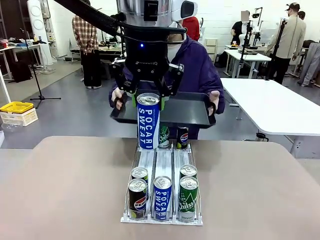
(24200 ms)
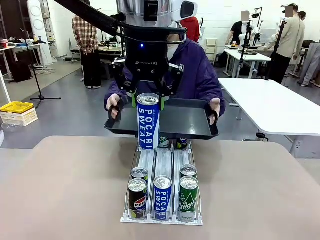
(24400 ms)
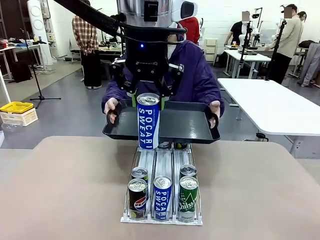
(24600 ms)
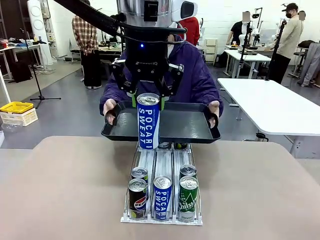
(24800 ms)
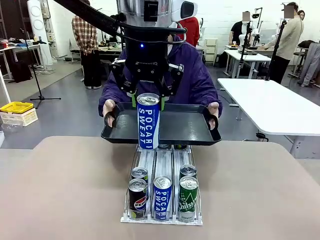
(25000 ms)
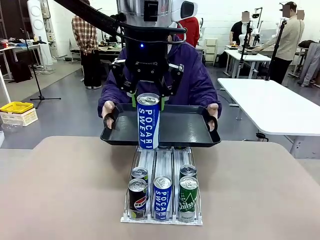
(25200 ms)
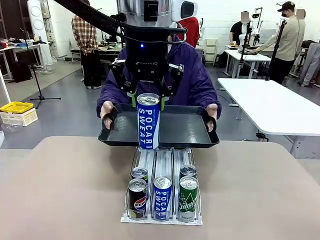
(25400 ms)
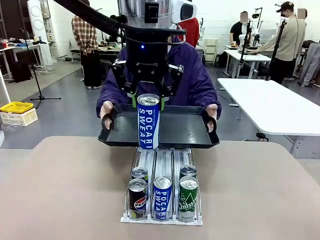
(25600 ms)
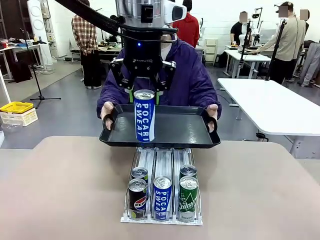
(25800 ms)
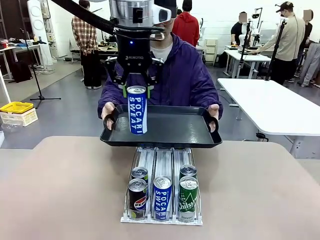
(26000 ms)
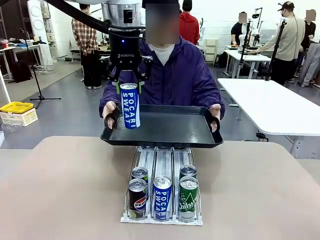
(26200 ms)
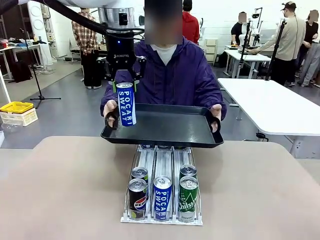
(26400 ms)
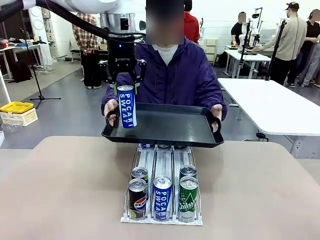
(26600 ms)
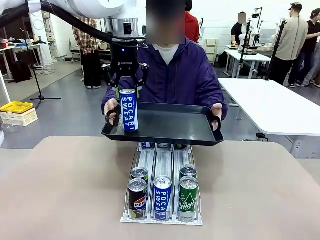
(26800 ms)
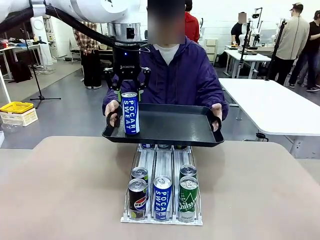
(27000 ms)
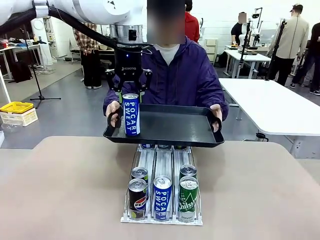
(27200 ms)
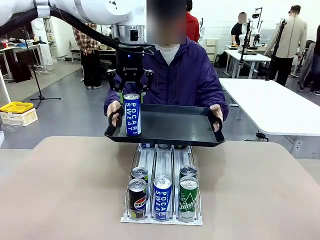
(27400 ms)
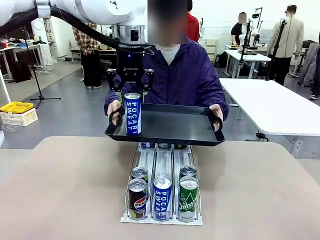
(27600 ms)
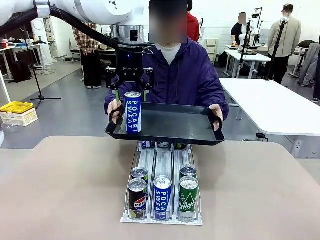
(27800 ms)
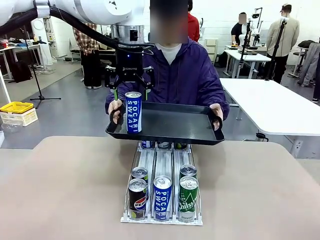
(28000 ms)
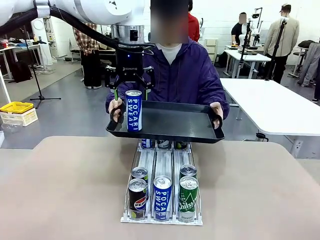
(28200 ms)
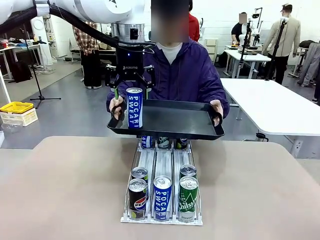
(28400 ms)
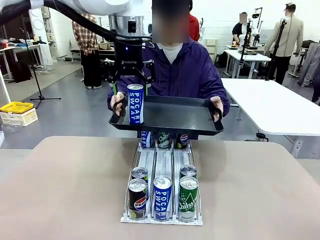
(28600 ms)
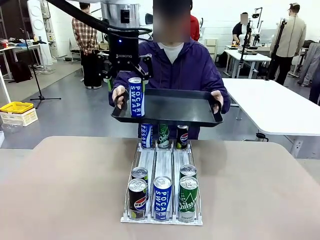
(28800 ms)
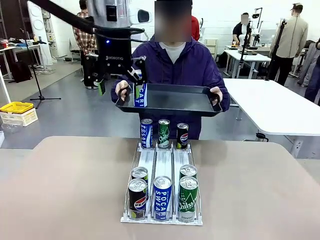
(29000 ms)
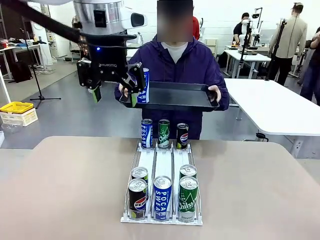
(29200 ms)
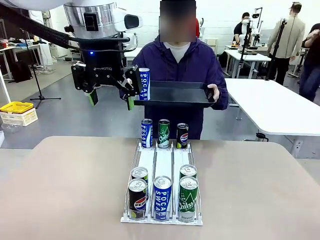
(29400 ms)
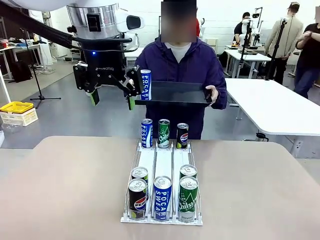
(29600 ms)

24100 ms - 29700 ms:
Task: Retrieve and hand over the desired beverage to the person.
Robot: Place the picked can on the Handle tray extended by the person.

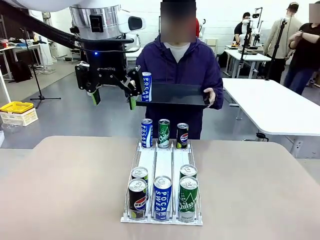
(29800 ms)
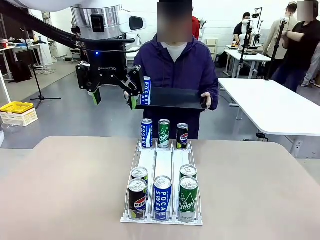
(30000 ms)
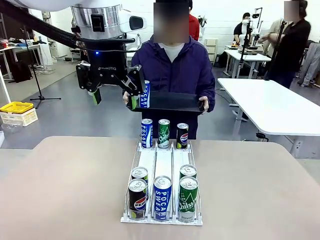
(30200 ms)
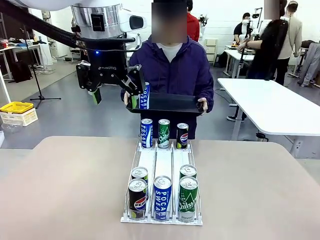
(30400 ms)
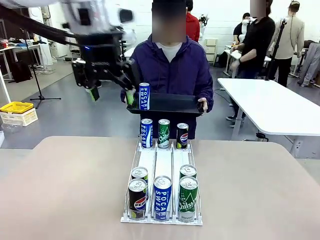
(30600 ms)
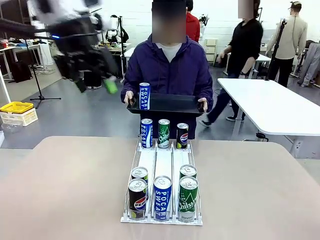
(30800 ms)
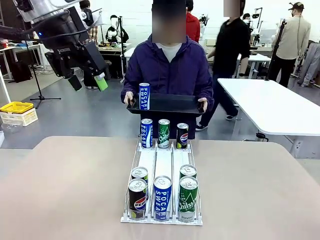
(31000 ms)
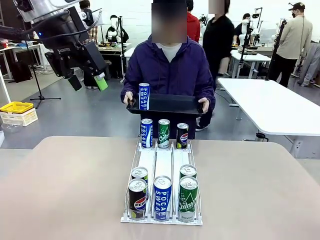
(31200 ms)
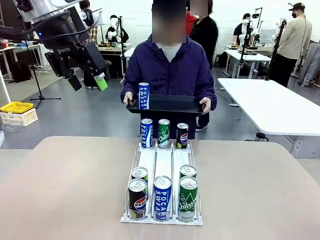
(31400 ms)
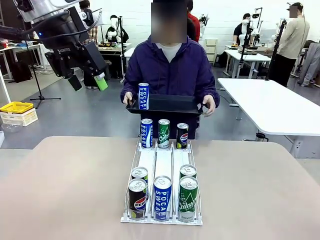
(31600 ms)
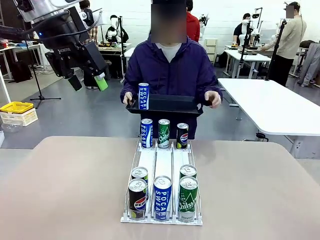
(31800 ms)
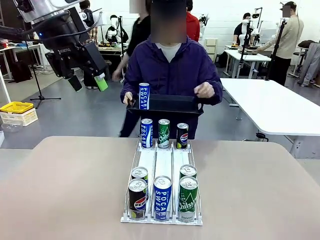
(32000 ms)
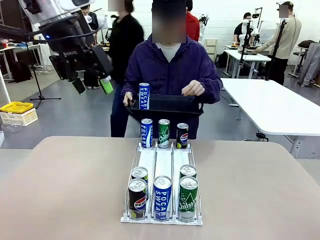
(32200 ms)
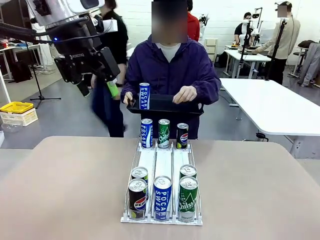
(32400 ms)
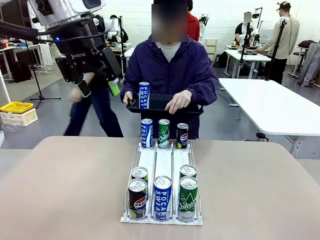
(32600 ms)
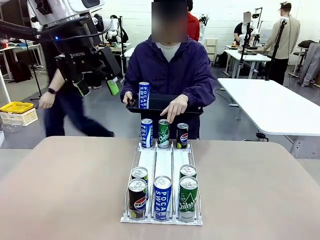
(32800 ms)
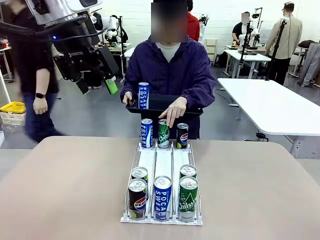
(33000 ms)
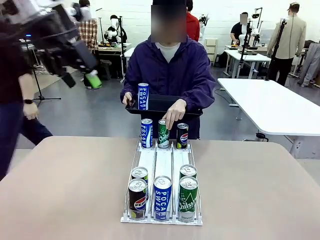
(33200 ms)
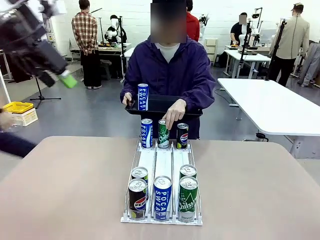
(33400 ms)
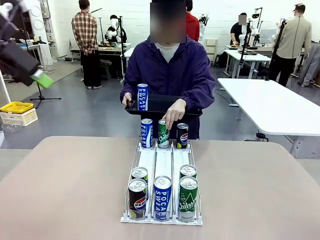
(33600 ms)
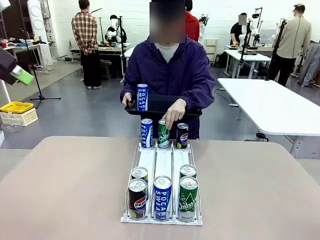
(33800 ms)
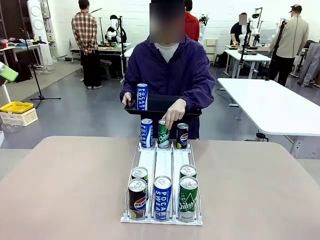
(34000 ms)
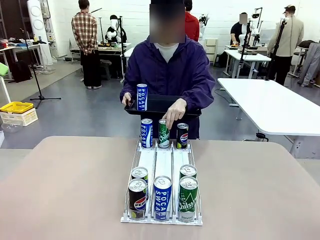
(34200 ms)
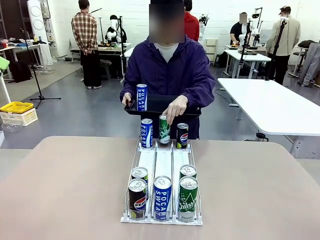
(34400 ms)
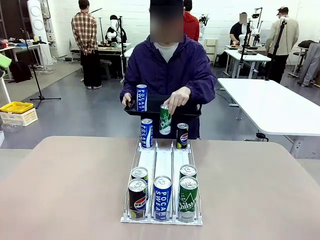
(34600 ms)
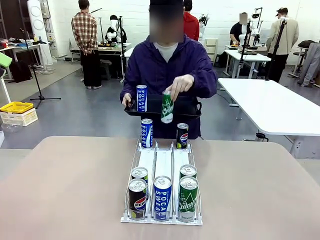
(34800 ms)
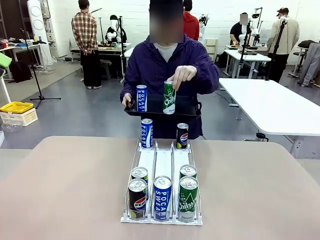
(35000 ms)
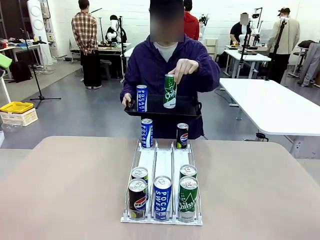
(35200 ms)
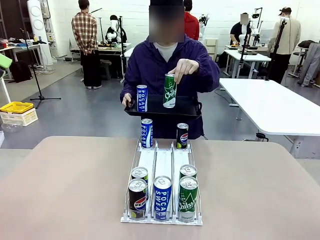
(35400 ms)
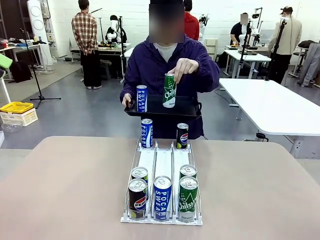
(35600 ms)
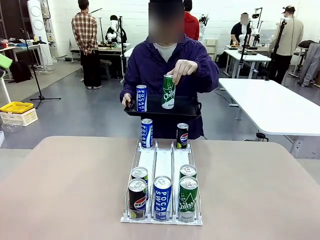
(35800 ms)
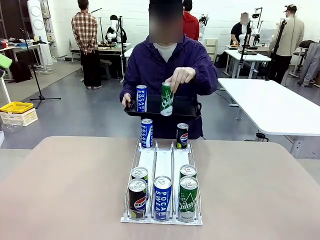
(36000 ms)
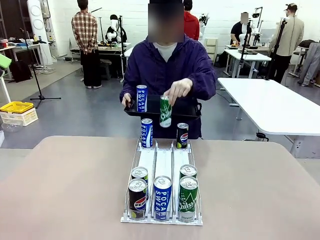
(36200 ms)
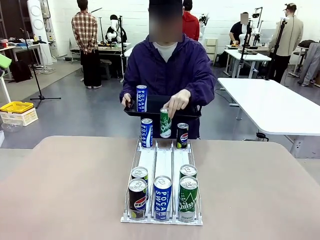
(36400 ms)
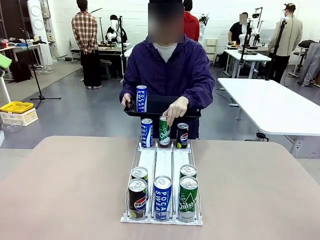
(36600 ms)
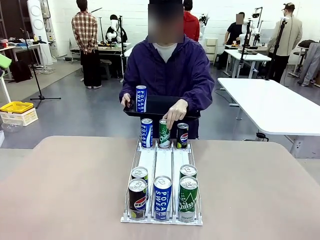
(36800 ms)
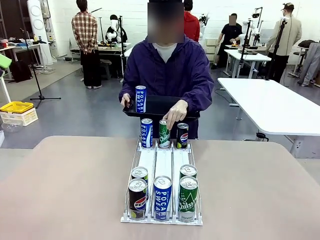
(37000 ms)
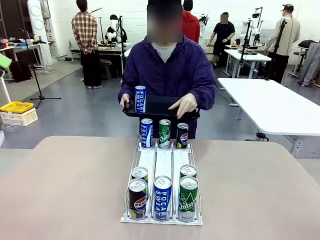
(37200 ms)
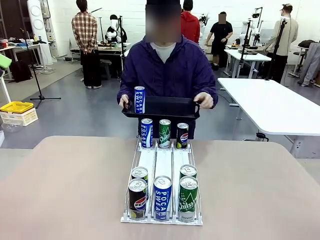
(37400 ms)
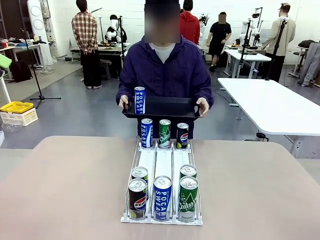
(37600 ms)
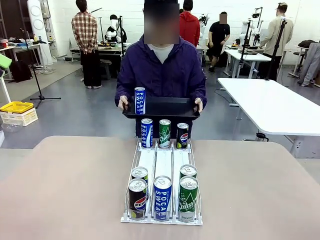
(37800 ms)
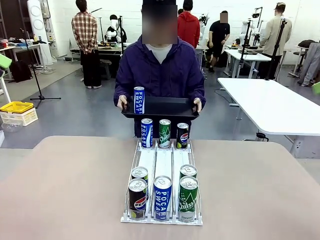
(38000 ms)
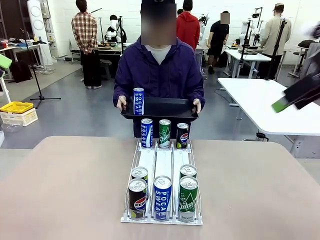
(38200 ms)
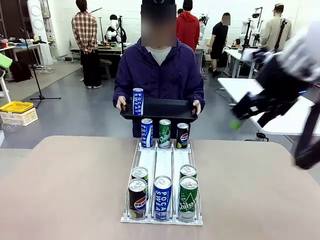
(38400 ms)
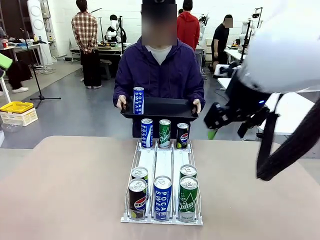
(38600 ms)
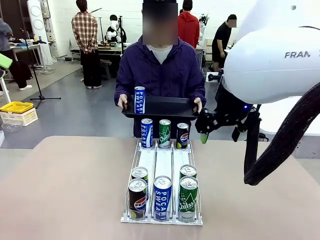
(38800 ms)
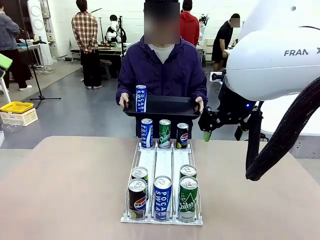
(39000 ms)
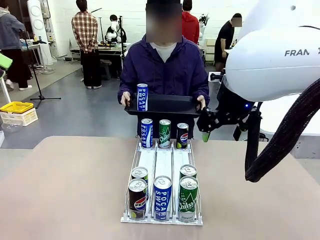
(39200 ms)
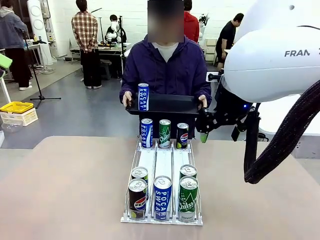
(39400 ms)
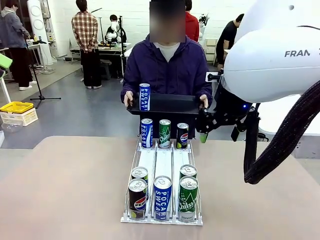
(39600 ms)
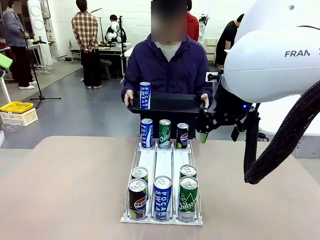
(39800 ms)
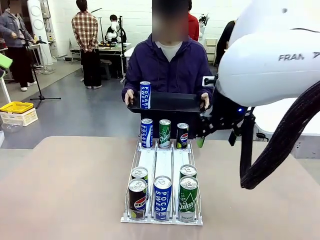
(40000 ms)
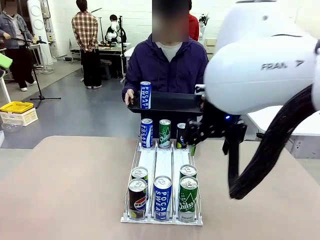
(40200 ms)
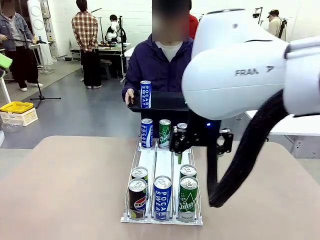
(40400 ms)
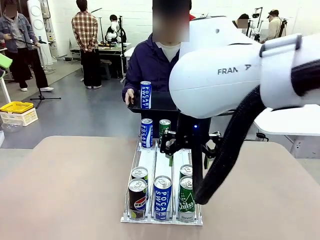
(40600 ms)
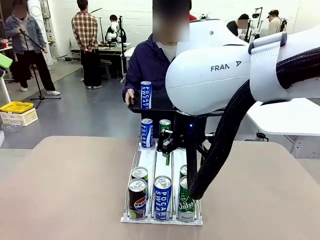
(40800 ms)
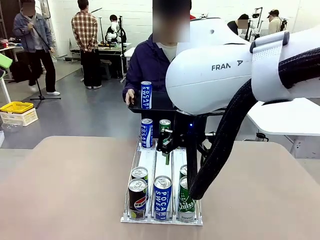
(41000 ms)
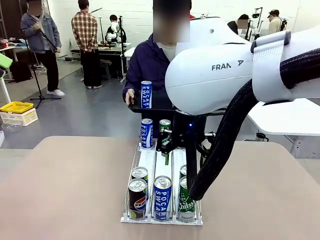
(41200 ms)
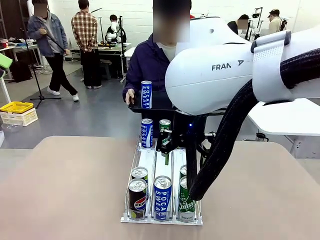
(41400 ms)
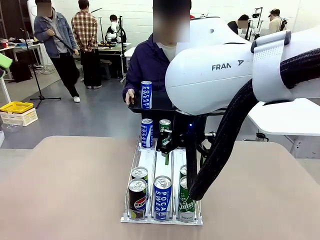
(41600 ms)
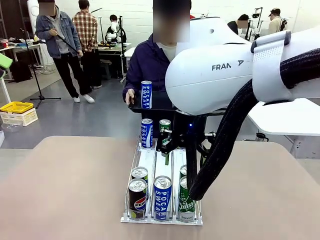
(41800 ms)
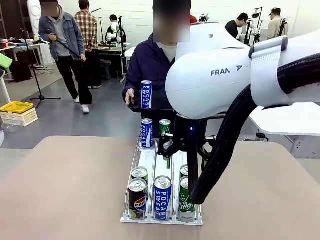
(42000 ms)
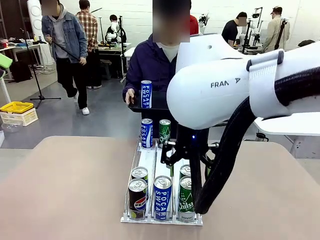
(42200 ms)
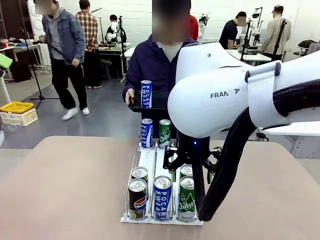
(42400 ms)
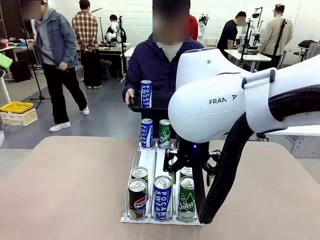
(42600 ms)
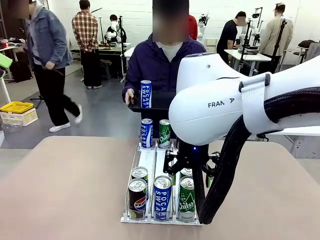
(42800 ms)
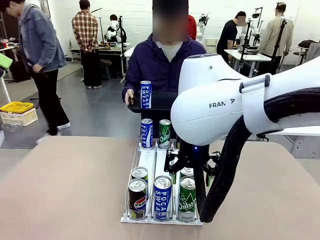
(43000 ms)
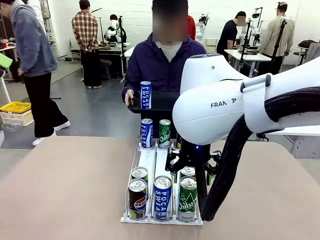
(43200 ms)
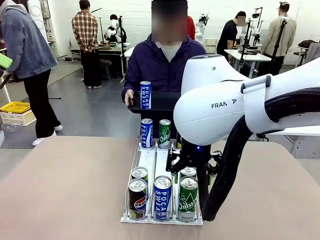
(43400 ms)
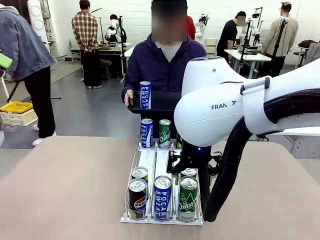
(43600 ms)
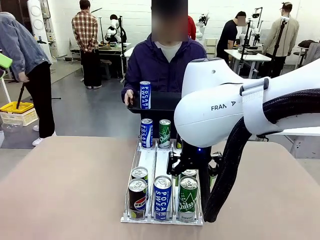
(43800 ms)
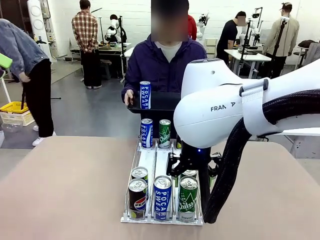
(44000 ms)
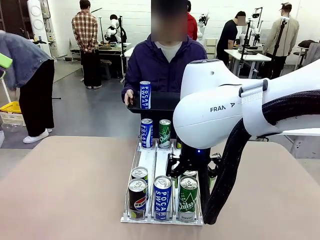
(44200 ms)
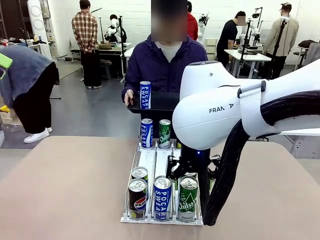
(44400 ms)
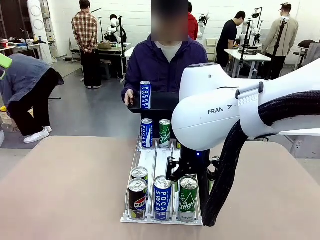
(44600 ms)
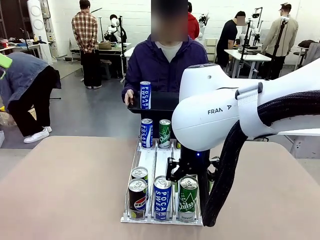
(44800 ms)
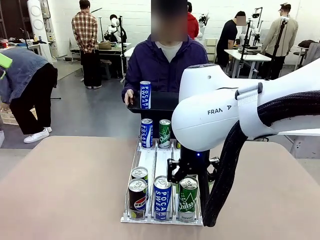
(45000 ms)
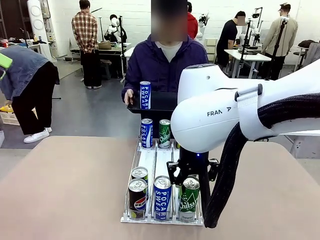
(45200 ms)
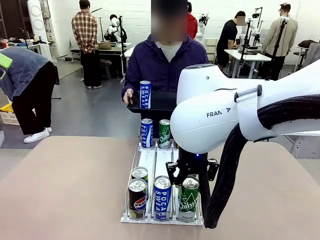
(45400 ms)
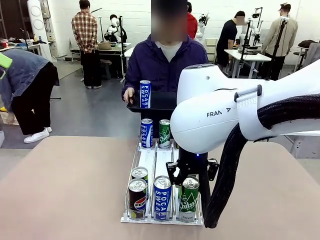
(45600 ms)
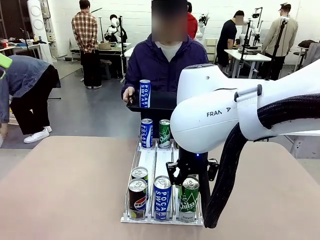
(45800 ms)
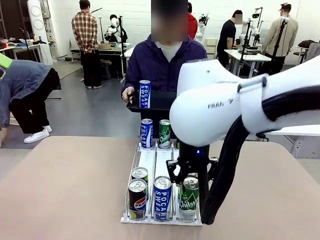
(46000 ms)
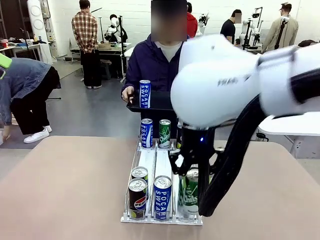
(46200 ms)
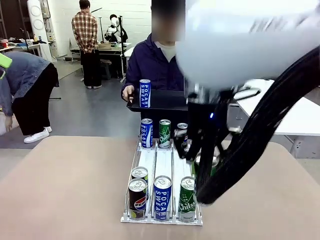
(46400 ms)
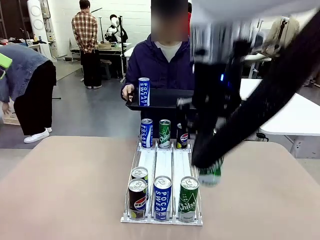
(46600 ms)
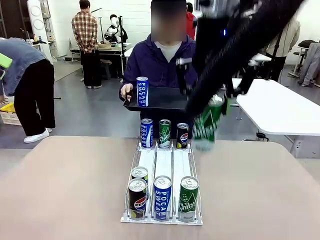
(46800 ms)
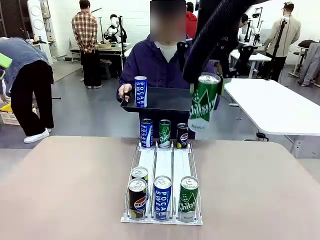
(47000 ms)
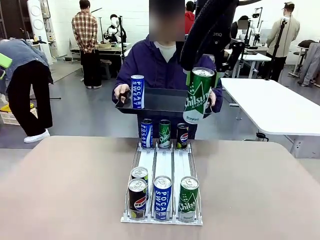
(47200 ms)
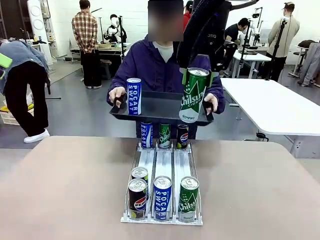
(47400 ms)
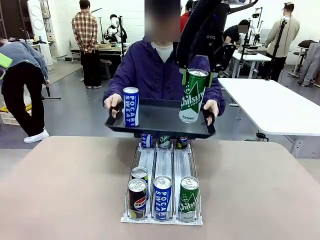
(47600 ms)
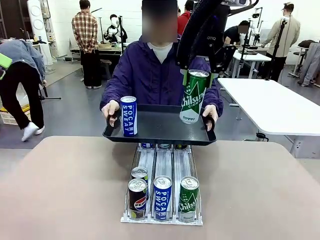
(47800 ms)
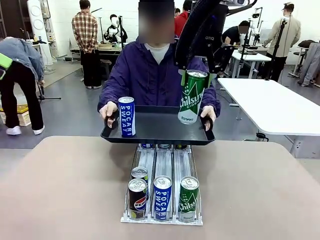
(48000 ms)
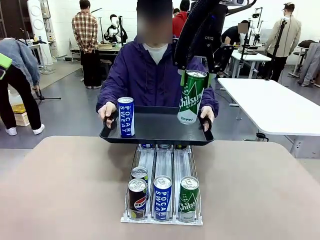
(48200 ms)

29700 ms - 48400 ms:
Robot: Pick up another can of the same type that the person held from the Automatic Can Dispenser.
Person: Pull the tray back, then pick up another can from the bottom area of the table and puts it back in its original place. Push the tray toward the robot again.
